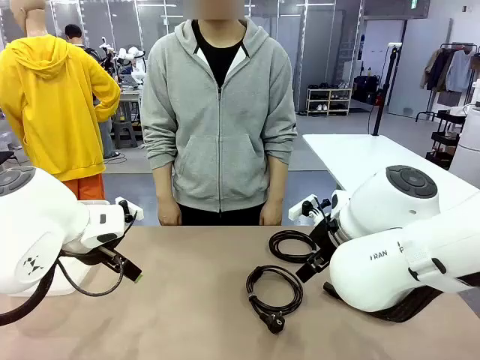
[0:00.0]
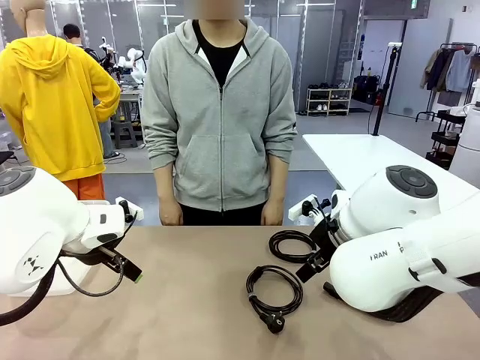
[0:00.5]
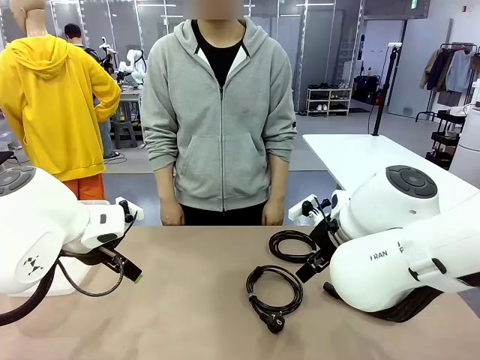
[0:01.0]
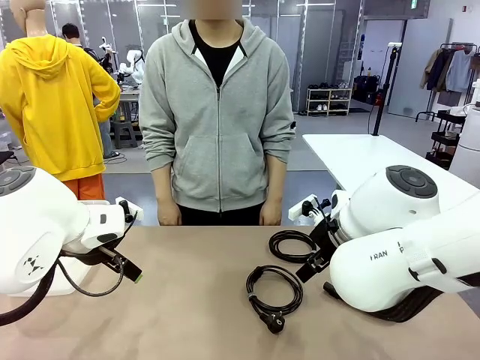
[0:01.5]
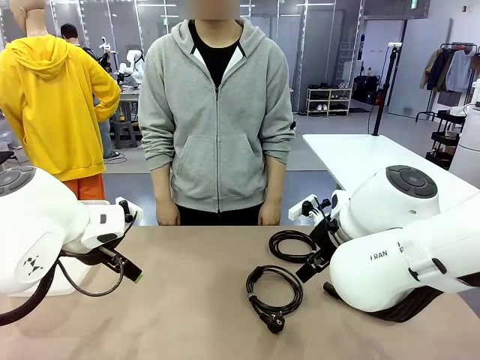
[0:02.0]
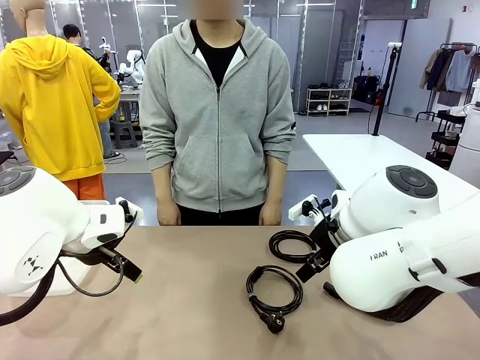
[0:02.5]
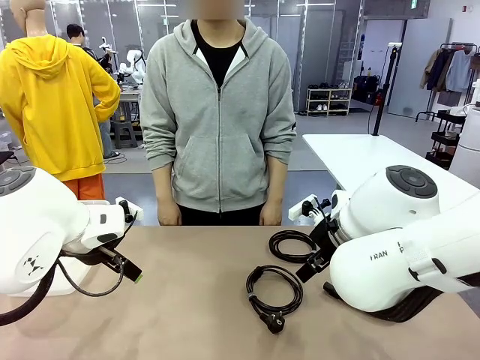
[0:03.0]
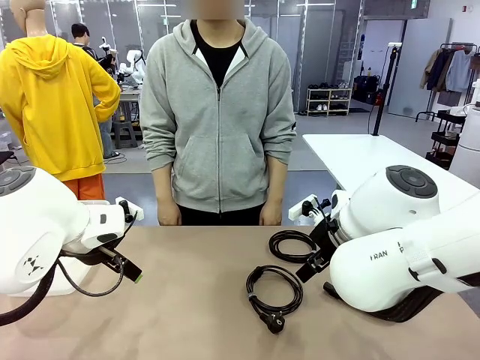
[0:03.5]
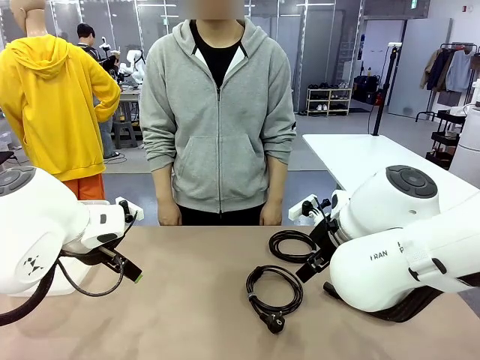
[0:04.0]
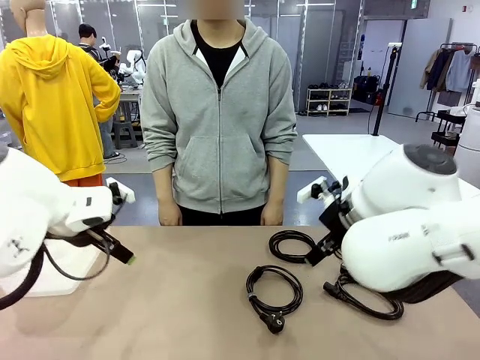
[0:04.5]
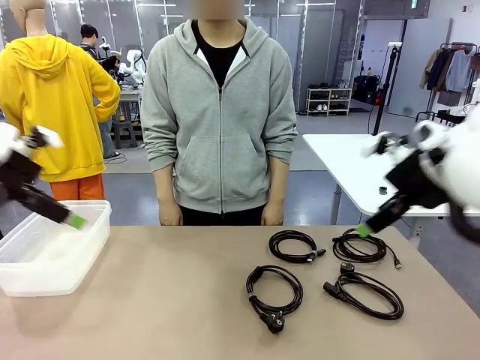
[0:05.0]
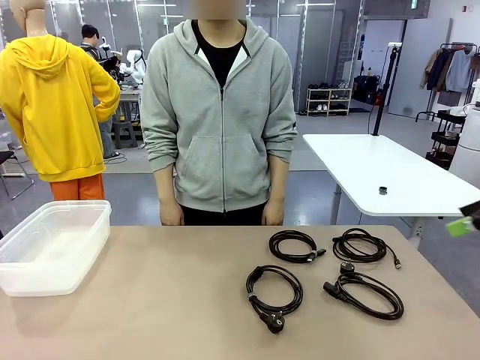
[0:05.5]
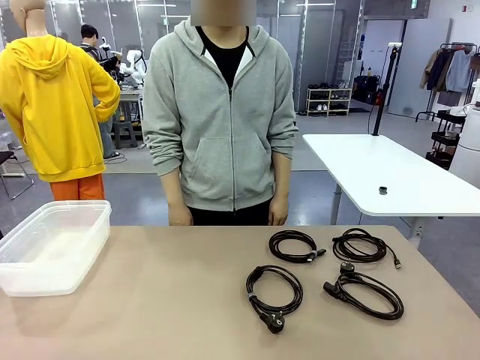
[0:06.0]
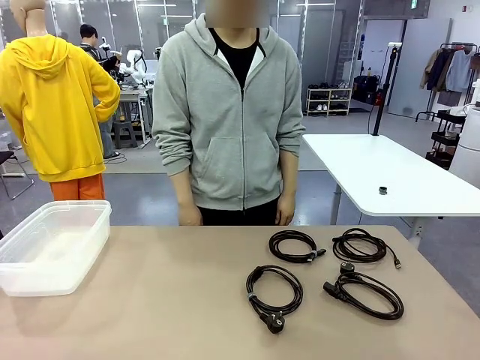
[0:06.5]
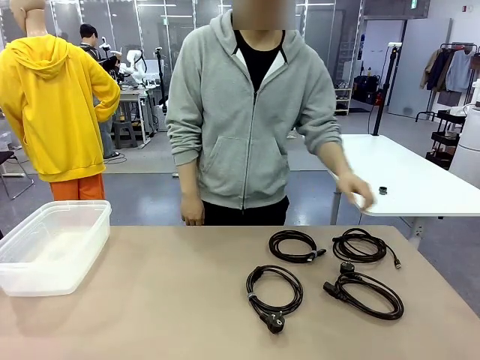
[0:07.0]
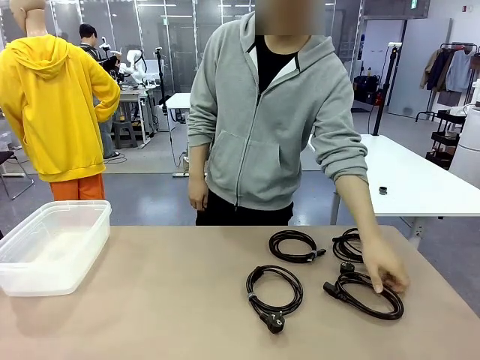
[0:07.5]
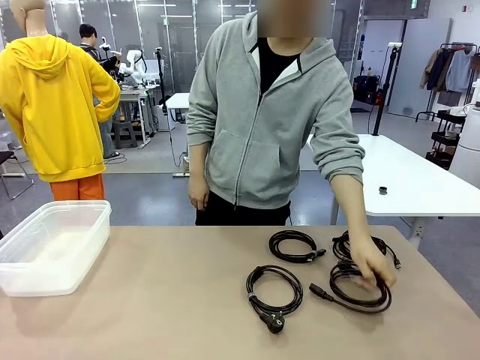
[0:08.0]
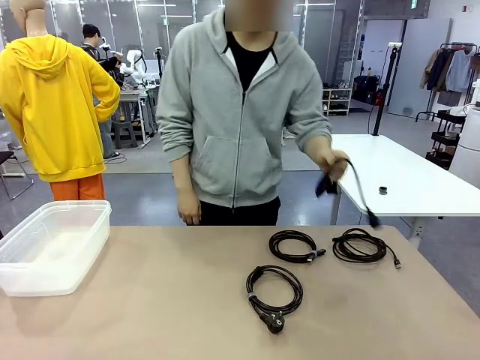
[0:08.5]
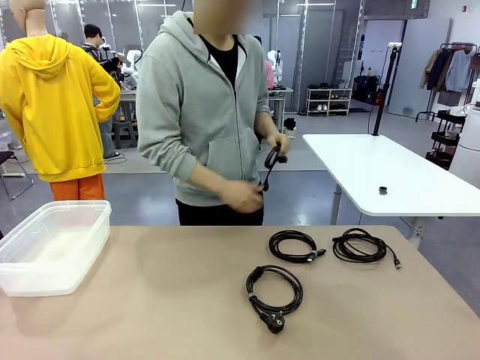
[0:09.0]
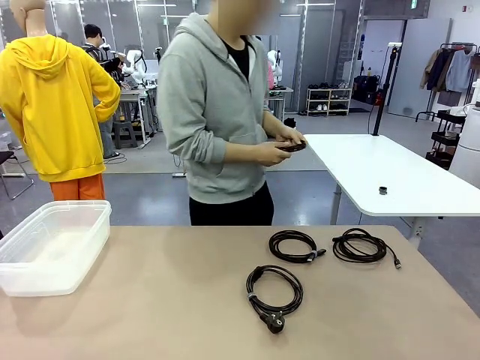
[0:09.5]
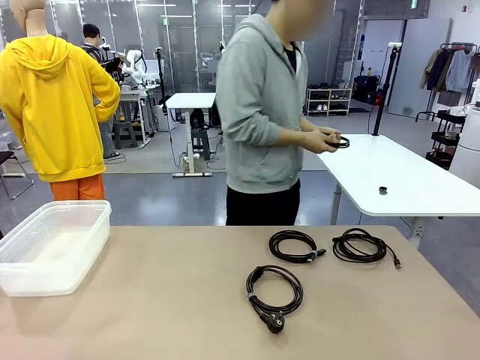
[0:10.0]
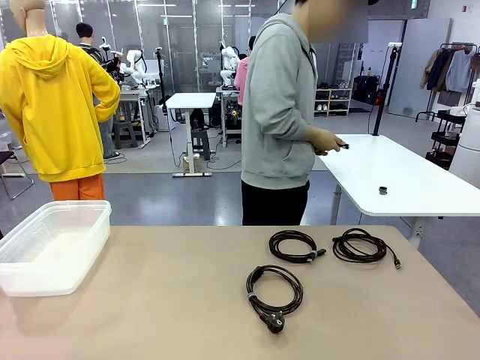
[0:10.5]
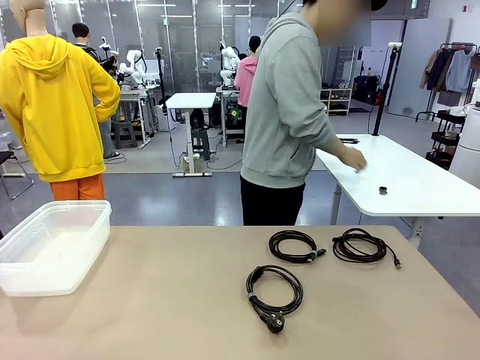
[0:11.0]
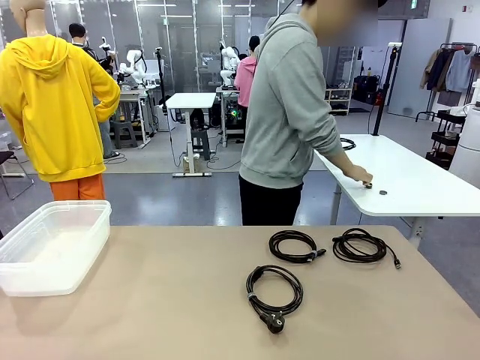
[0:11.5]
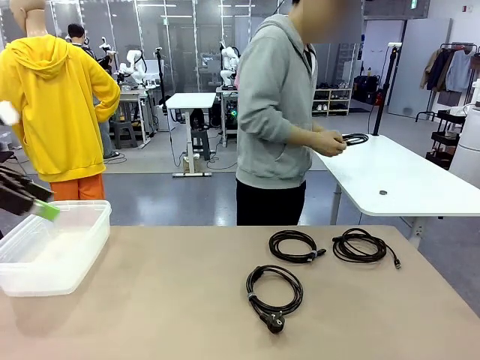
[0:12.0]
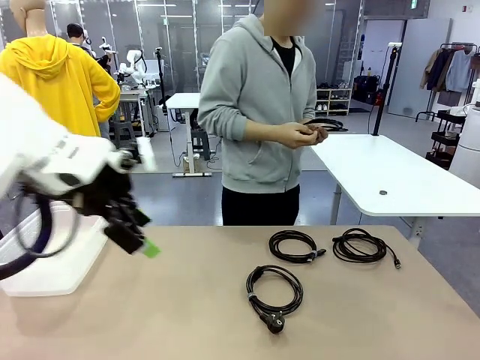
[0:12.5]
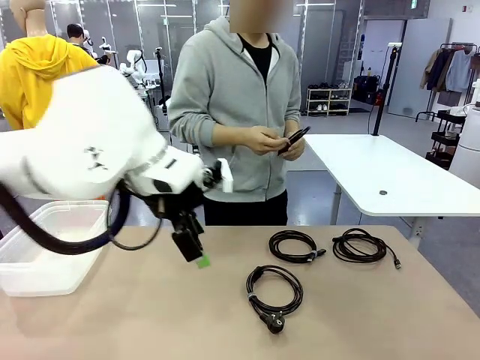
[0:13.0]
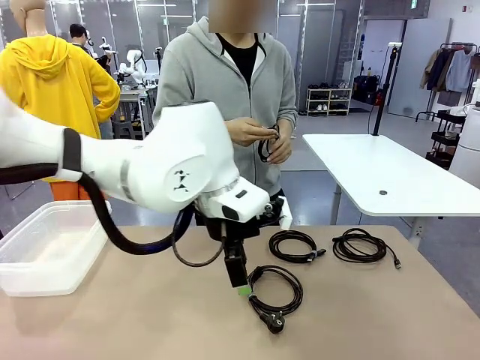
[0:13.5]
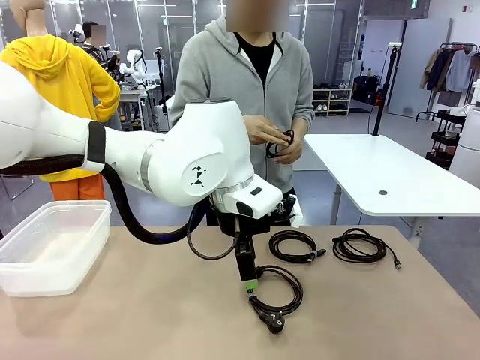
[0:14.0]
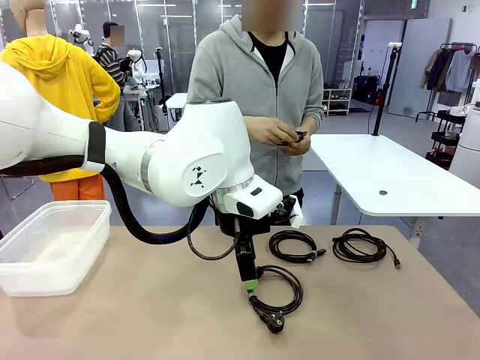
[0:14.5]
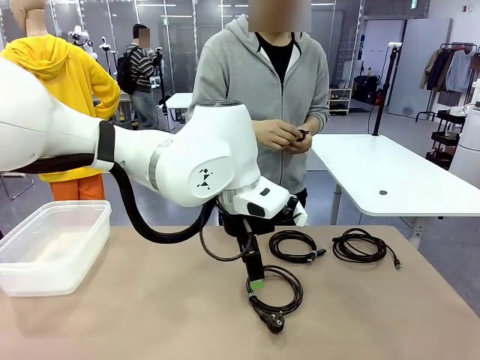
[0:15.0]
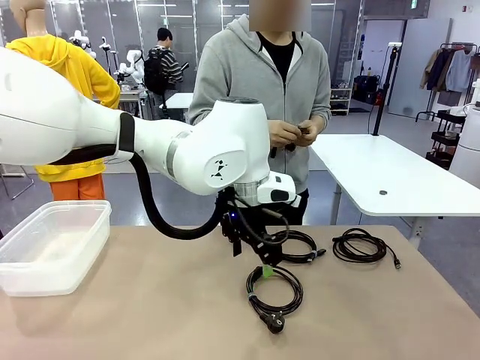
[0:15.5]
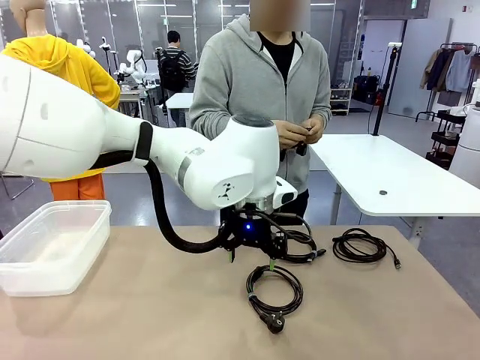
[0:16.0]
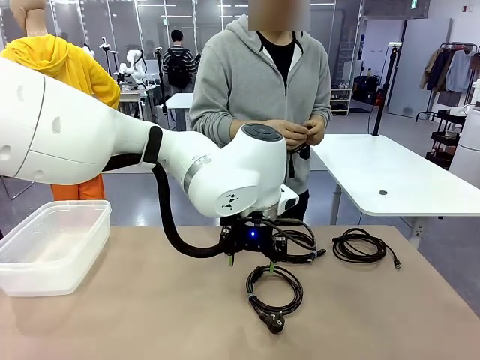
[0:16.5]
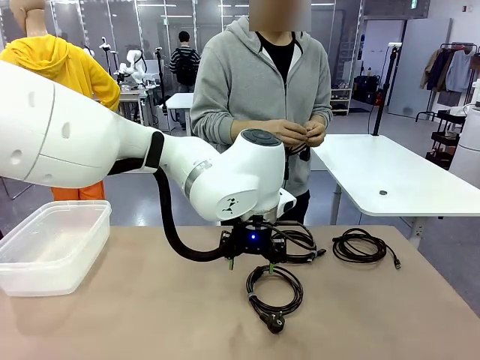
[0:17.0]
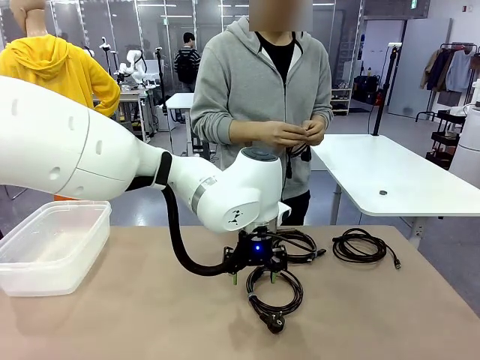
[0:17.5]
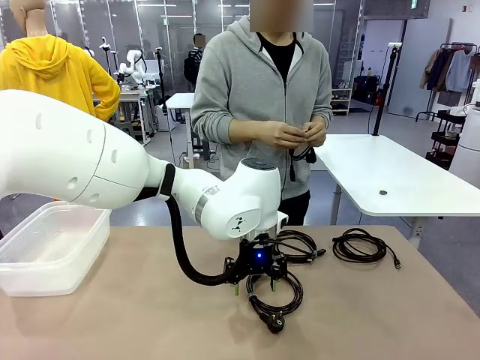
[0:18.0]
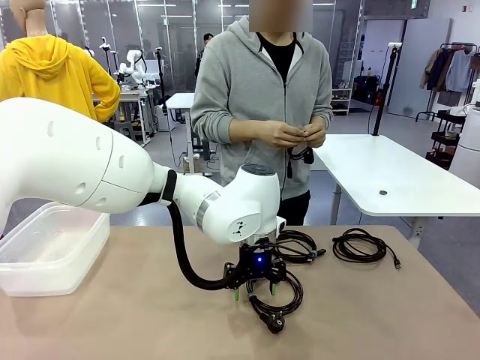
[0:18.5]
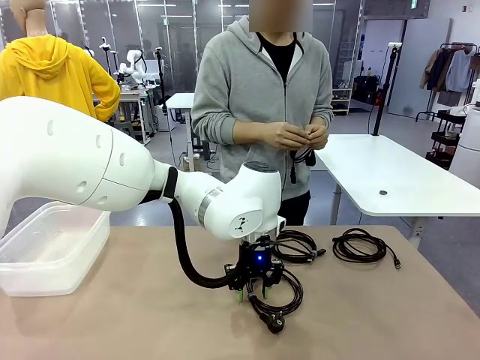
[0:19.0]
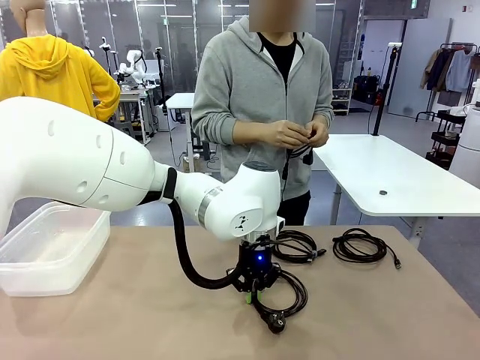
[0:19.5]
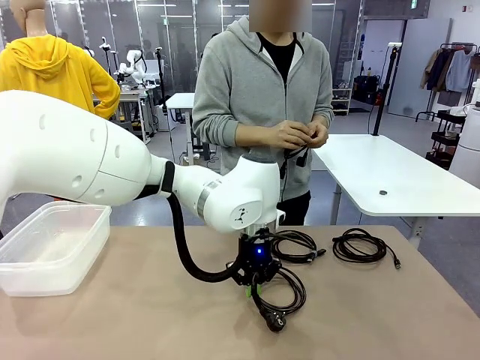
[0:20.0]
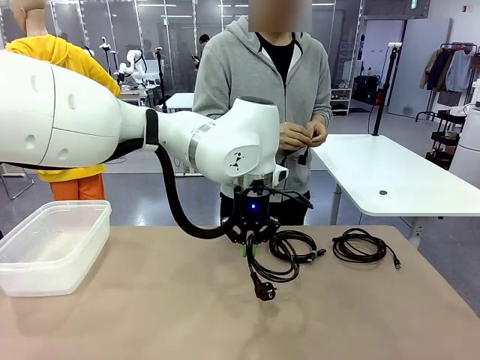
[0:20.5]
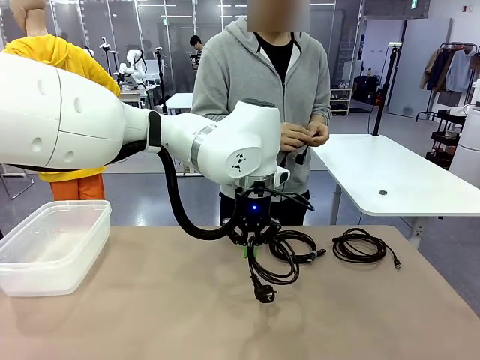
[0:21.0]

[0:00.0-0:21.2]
Task: Organize and store the cables.
Robot: Place the Power Cable into the Organizing box.
Person: Tie one Power Cable with a Reusable Cable Tie.
